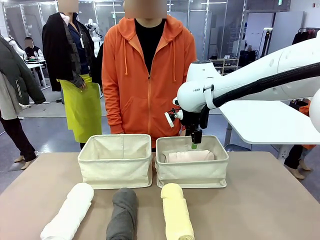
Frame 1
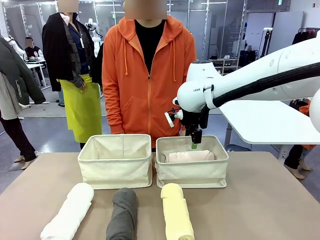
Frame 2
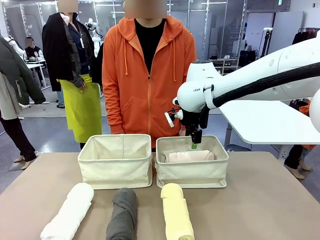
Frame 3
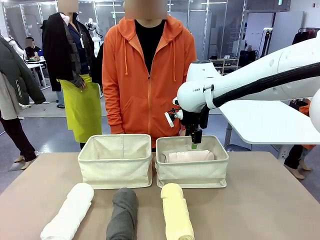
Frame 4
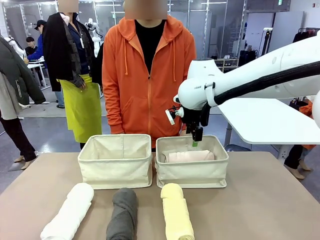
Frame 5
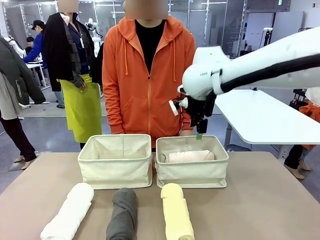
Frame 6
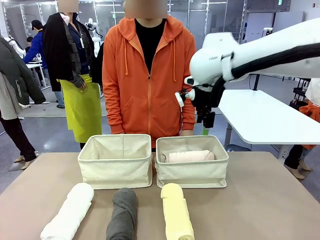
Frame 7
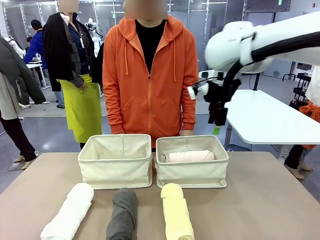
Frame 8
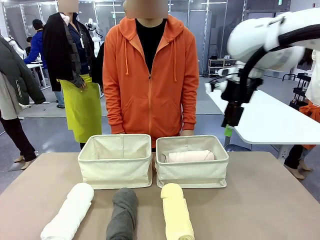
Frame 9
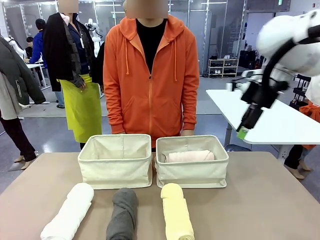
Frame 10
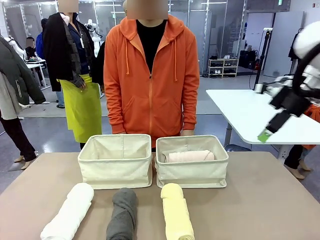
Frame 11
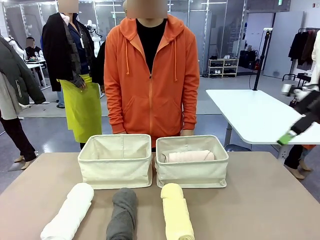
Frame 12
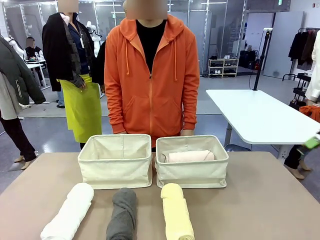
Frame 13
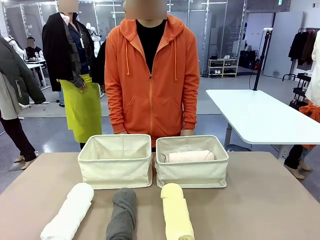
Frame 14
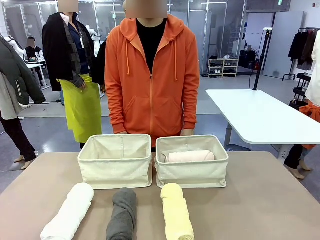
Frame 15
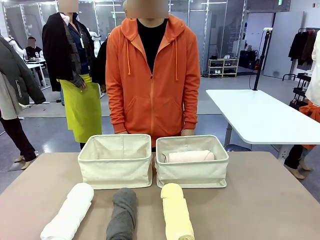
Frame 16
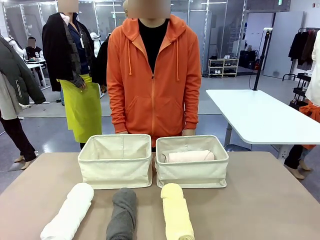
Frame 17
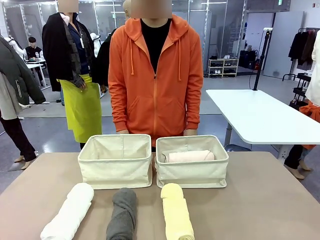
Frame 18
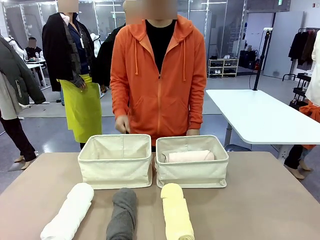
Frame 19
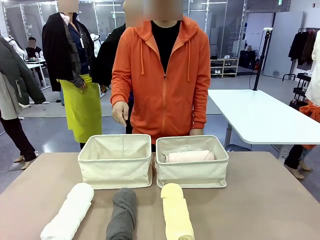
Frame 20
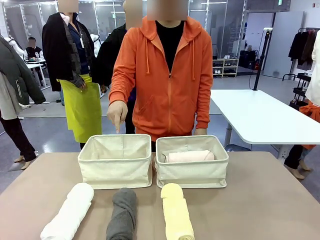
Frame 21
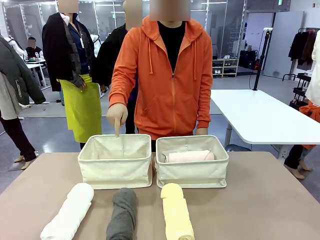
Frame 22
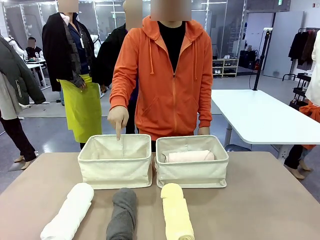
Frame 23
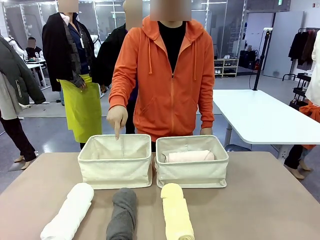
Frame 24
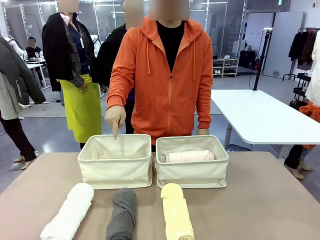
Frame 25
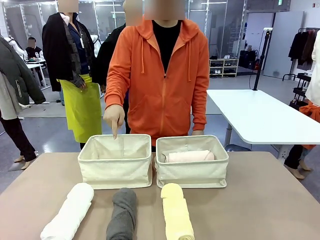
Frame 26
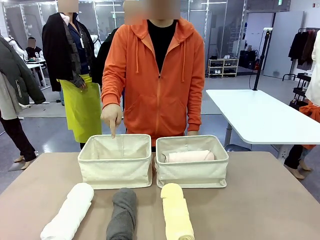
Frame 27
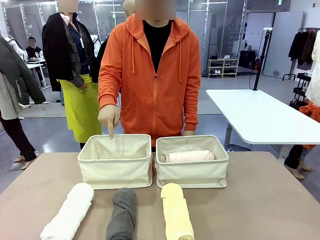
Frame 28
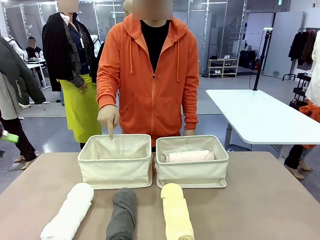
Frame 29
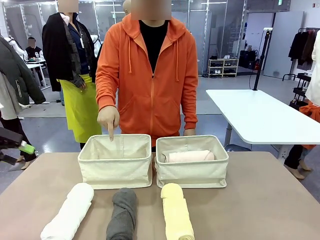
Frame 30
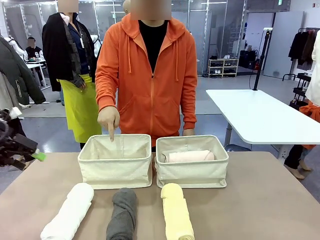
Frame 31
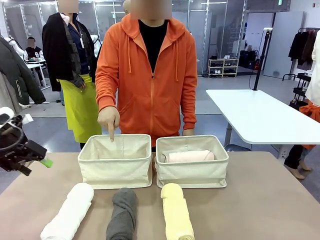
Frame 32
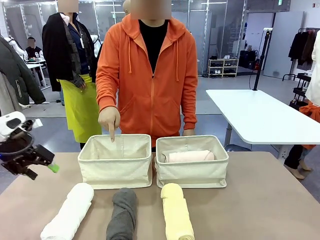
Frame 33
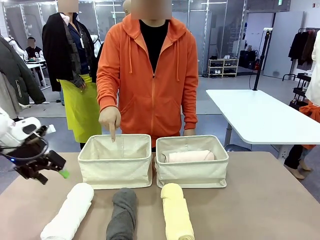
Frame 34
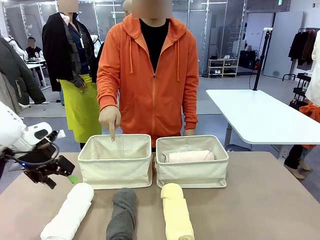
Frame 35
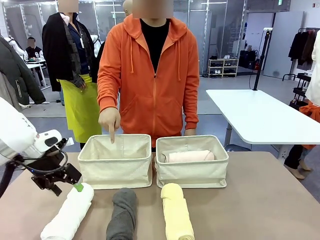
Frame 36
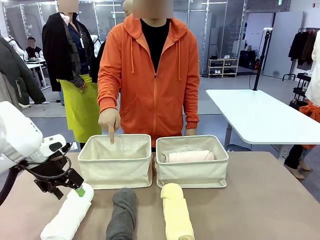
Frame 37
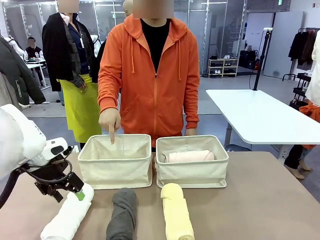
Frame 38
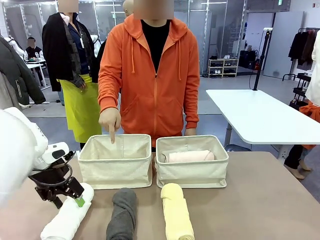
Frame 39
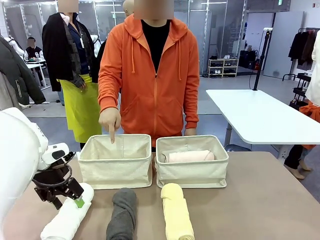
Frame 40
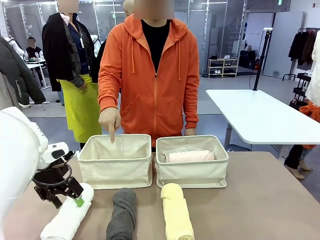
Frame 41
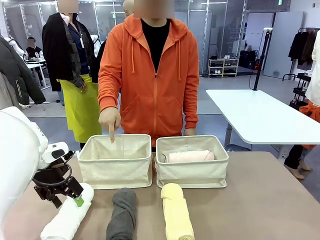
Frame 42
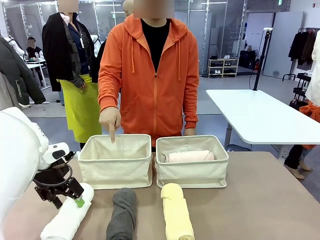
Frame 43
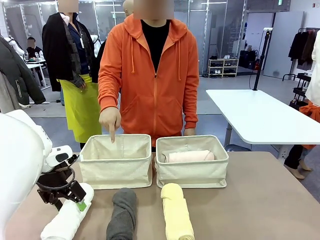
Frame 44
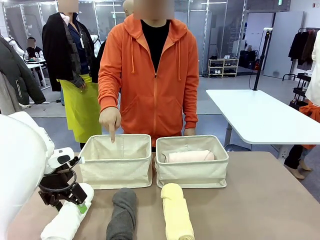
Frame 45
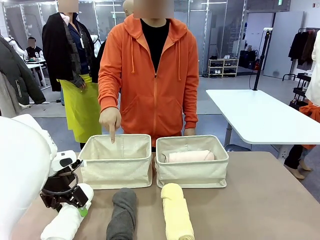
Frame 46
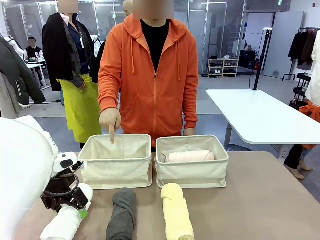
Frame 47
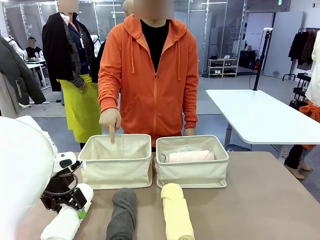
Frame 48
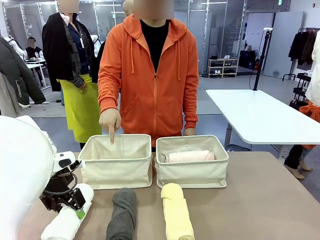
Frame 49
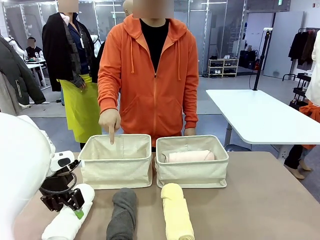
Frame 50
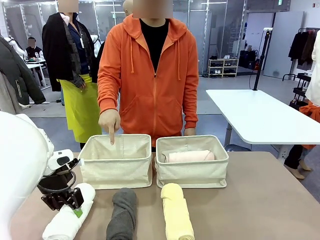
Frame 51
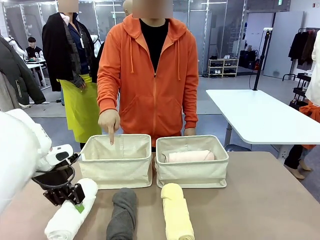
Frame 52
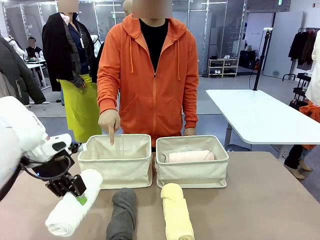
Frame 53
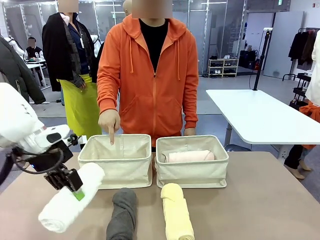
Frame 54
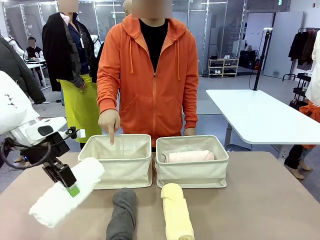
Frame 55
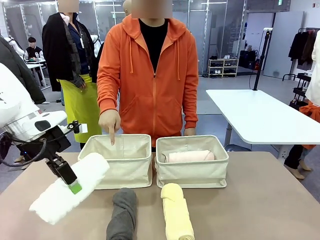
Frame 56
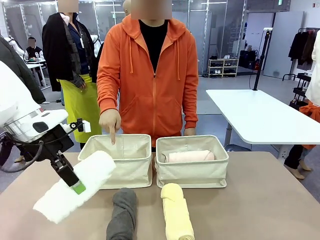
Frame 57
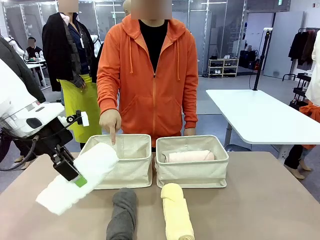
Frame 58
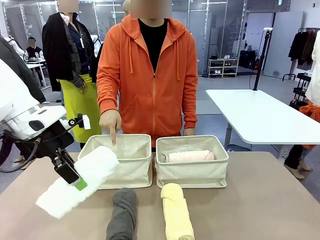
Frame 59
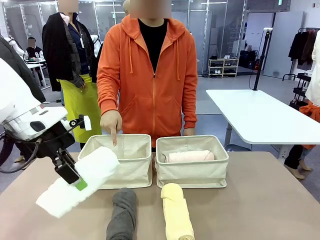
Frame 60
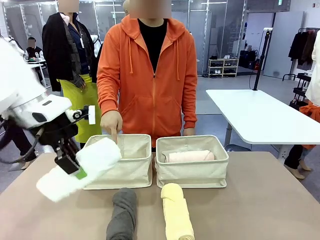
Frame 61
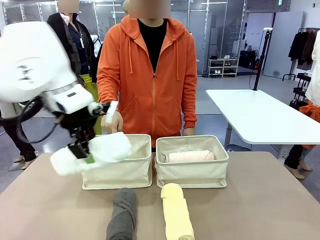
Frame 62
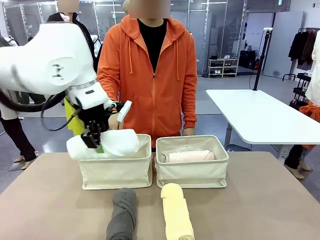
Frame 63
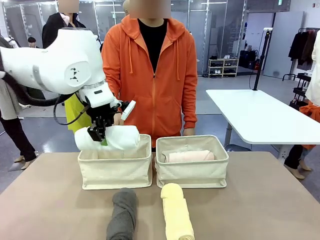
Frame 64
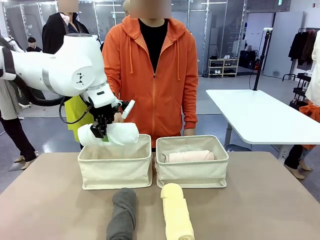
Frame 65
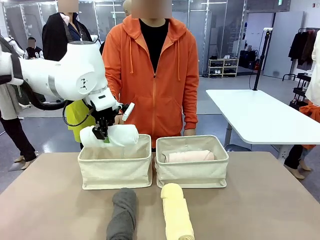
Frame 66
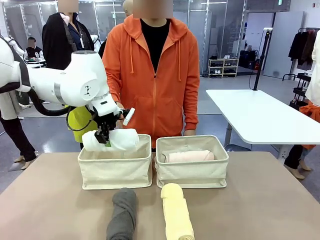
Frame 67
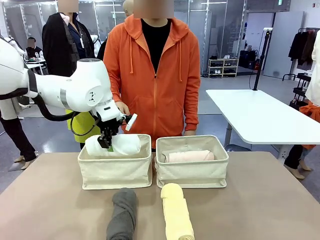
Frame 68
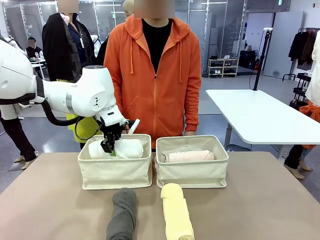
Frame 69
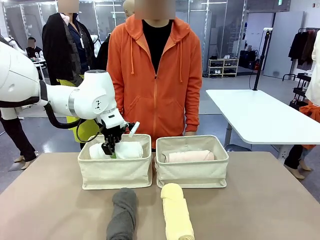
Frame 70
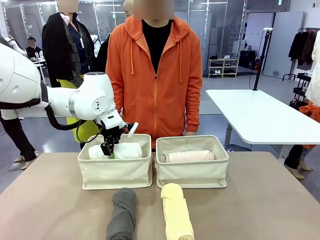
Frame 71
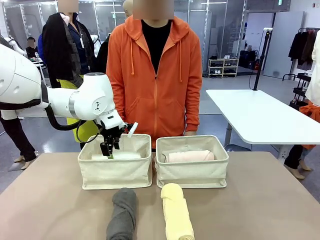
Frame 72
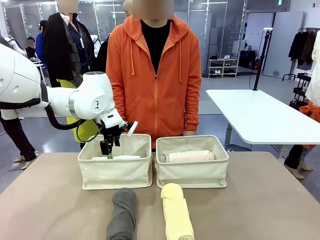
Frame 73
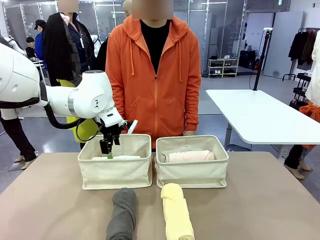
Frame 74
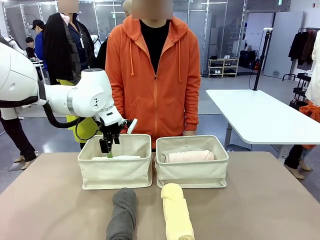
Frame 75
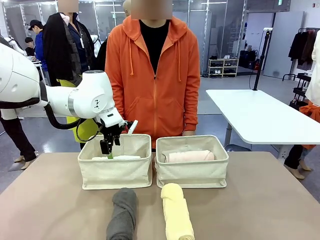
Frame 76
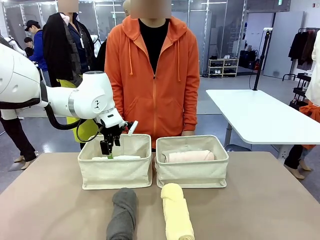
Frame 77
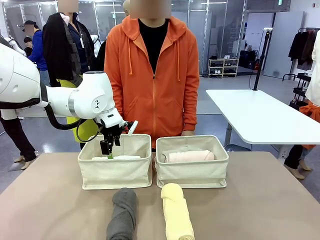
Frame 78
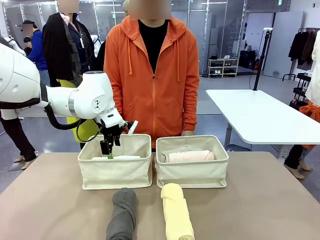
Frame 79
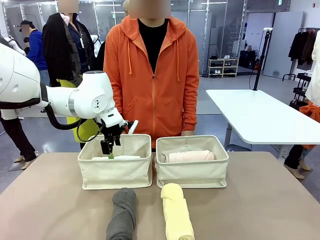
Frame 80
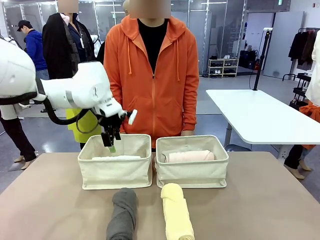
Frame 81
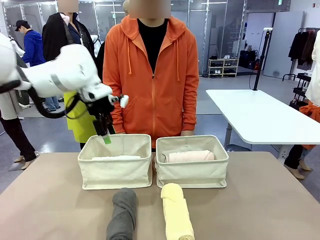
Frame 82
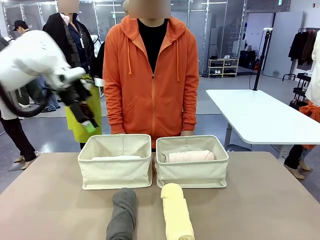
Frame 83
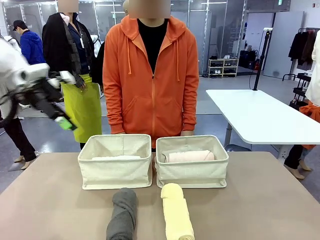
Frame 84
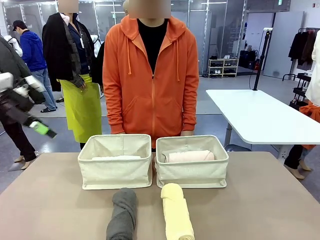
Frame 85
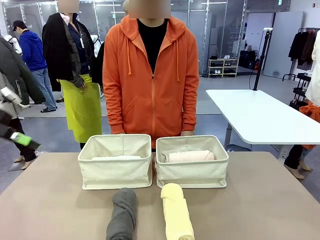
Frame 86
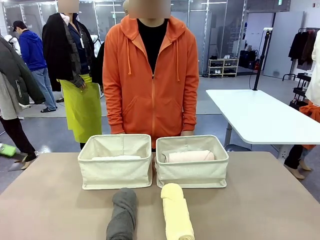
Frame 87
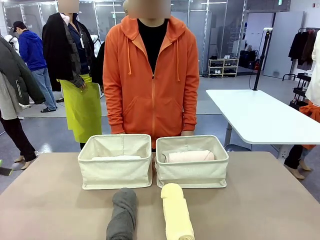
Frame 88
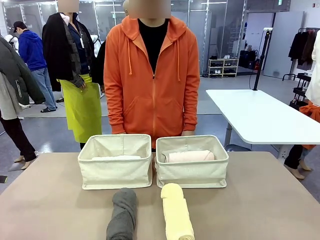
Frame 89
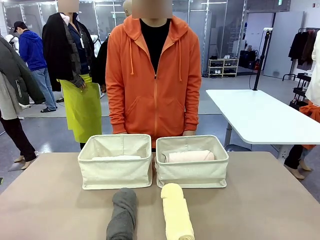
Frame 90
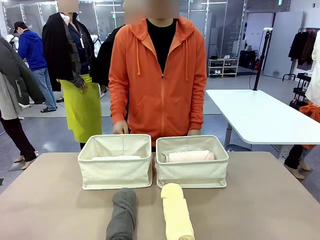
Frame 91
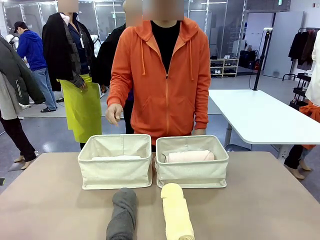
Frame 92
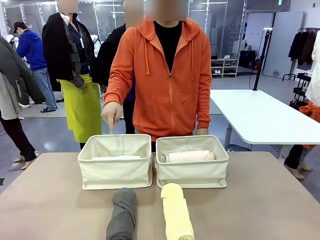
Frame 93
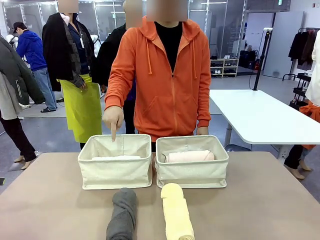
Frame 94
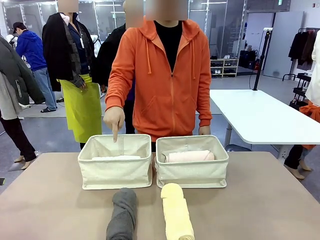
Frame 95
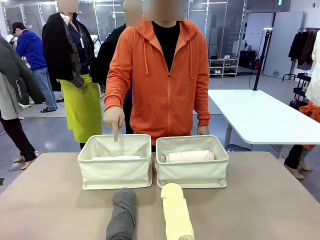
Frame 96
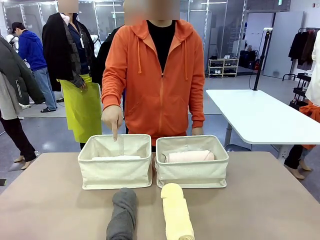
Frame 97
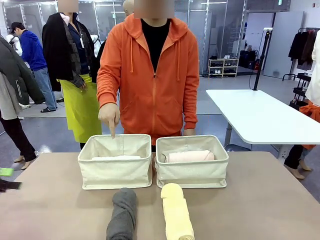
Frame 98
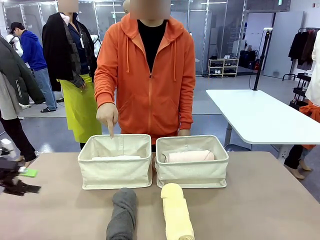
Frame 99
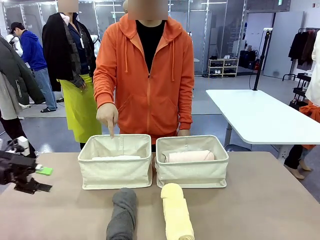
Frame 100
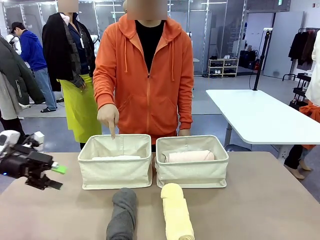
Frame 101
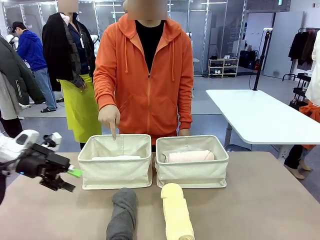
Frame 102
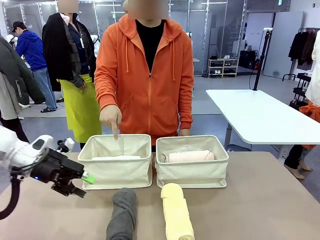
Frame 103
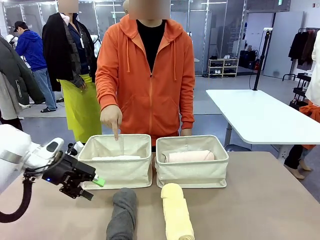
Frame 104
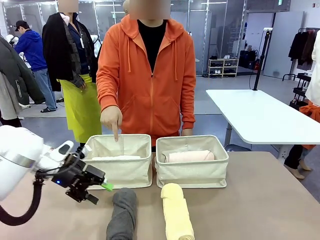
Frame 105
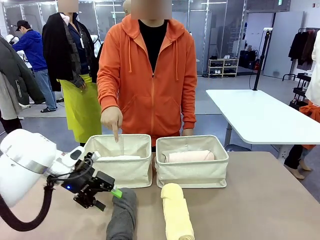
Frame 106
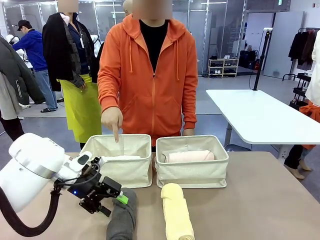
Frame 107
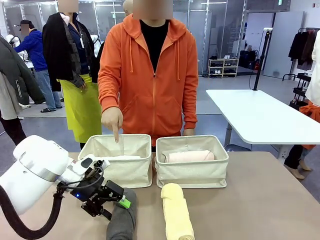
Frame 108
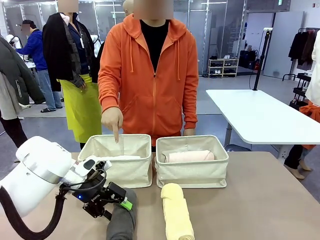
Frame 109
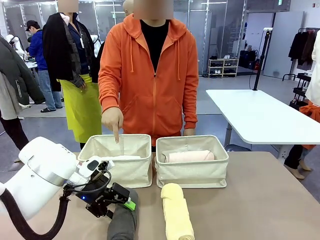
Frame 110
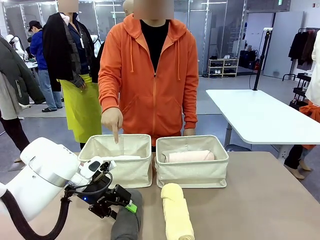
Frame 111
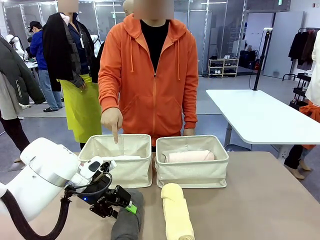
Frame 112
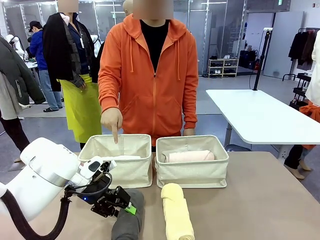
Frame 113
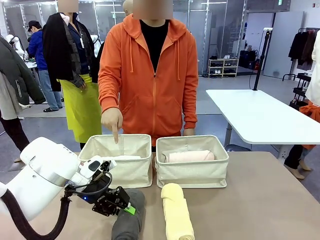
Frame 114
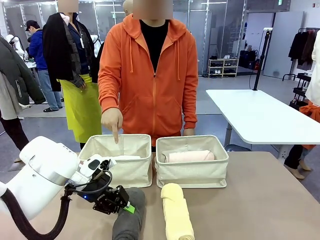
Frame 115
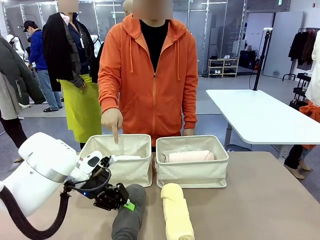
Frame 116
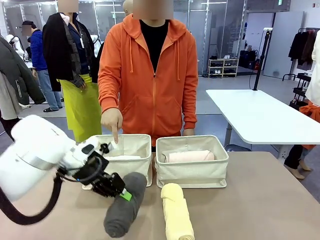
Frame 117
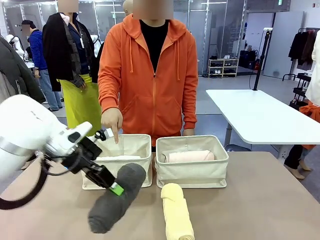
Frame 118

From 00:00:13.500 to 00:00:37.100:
Task: Divide the towels into two baskets.
Robot: Pick up one hotel-folded towel from the bottom of the table and place it in the Fabric basket indicated by the person.
